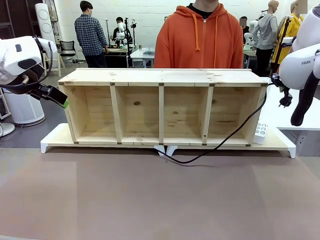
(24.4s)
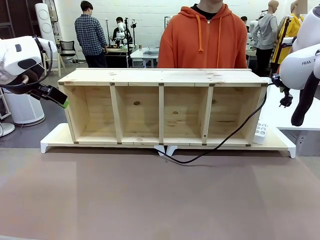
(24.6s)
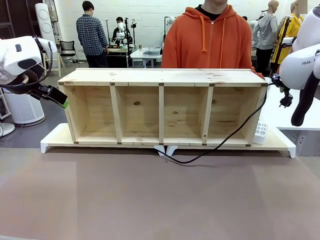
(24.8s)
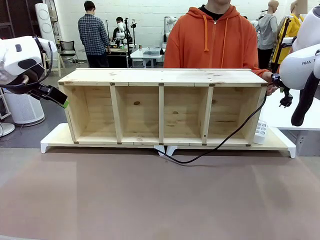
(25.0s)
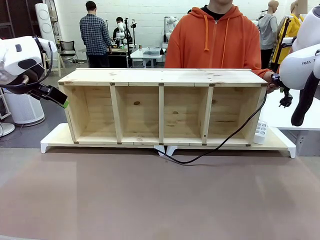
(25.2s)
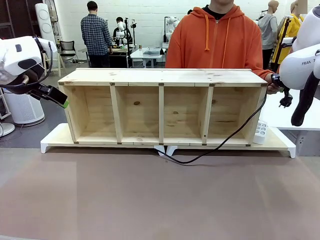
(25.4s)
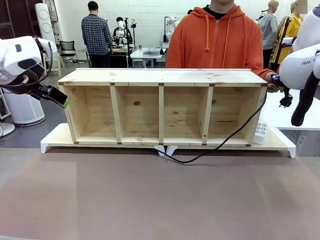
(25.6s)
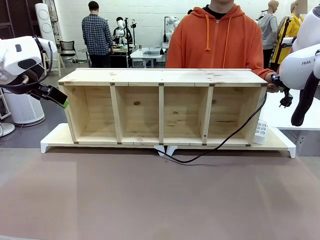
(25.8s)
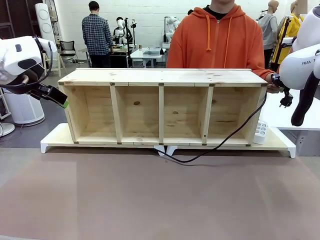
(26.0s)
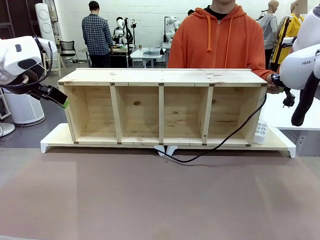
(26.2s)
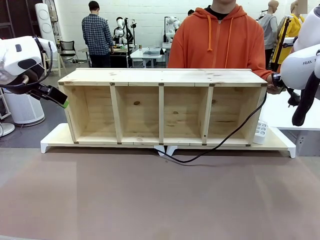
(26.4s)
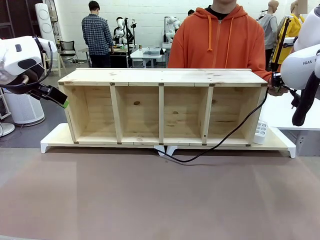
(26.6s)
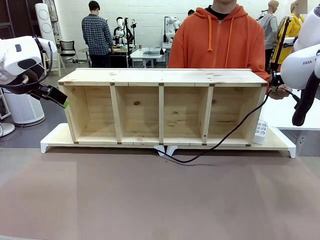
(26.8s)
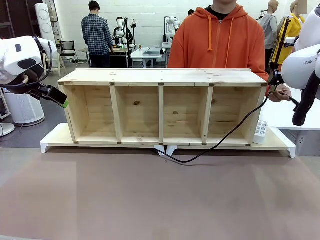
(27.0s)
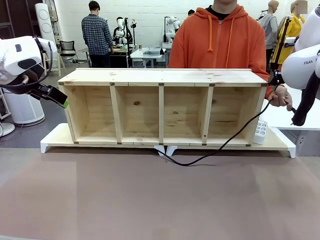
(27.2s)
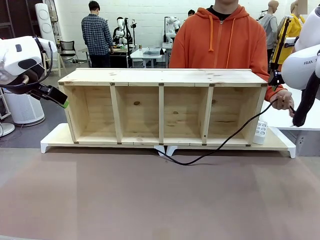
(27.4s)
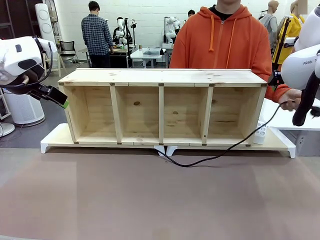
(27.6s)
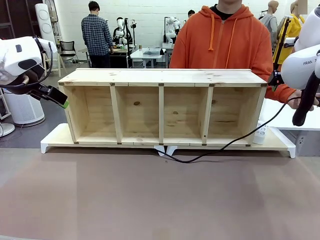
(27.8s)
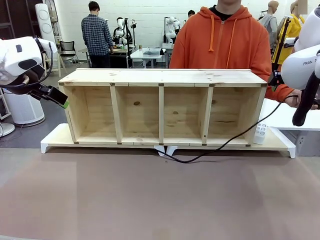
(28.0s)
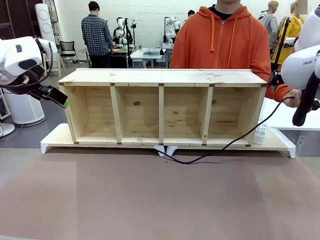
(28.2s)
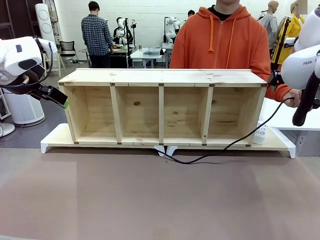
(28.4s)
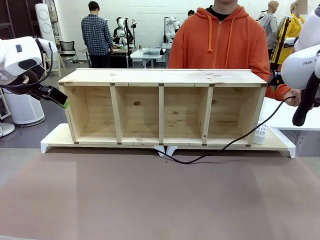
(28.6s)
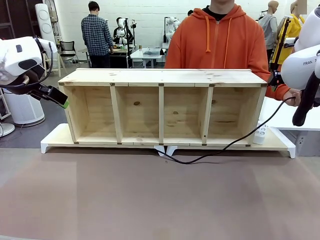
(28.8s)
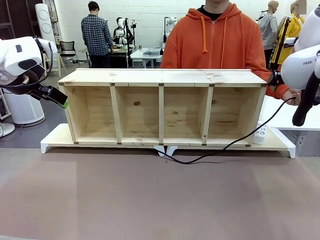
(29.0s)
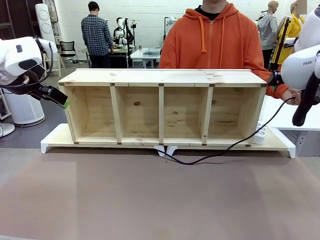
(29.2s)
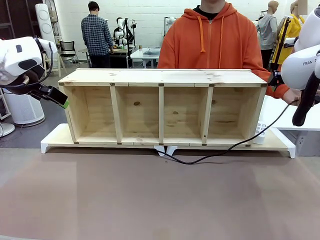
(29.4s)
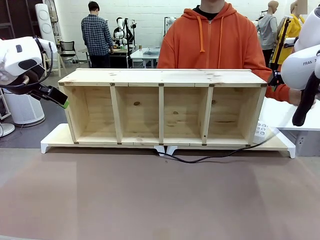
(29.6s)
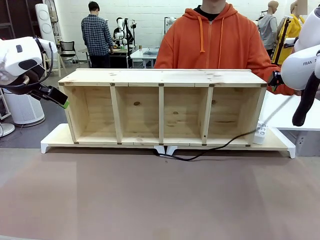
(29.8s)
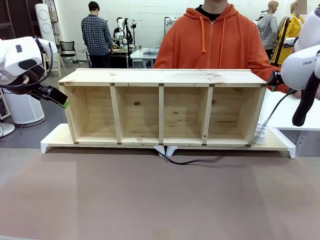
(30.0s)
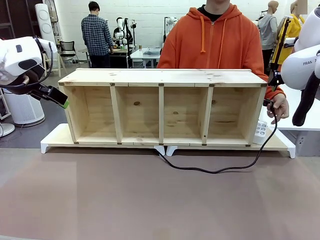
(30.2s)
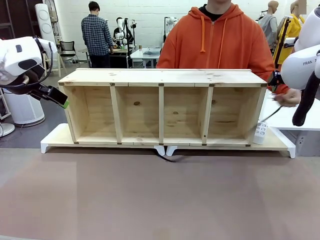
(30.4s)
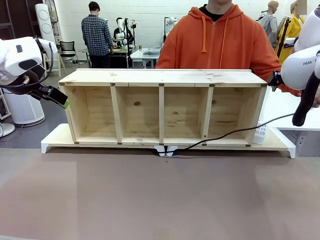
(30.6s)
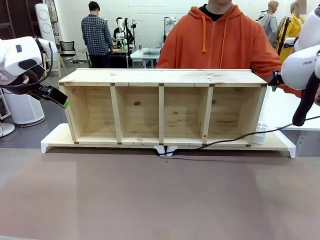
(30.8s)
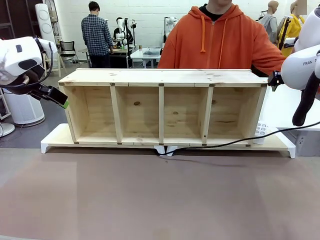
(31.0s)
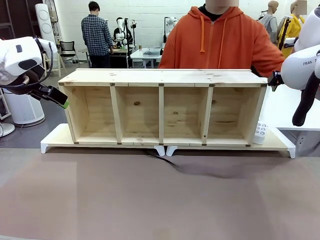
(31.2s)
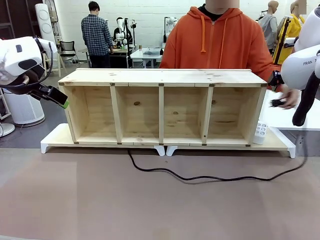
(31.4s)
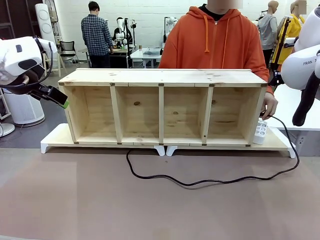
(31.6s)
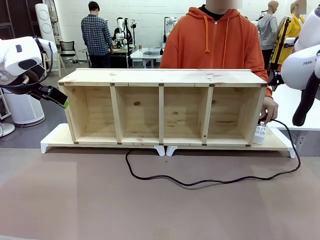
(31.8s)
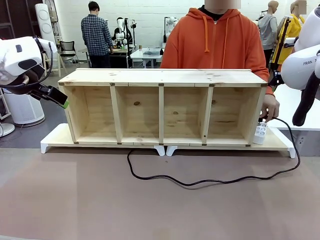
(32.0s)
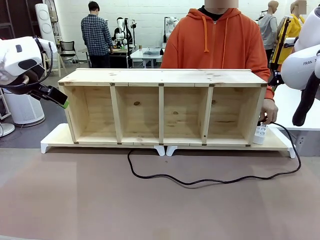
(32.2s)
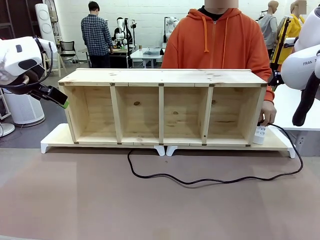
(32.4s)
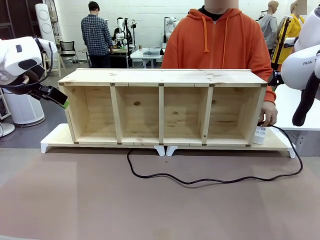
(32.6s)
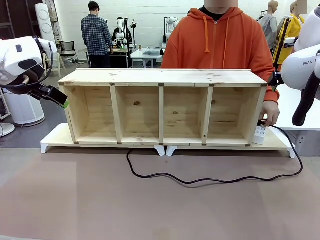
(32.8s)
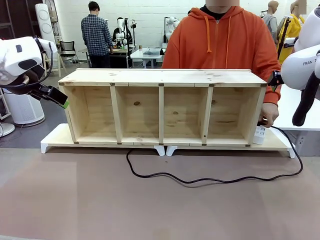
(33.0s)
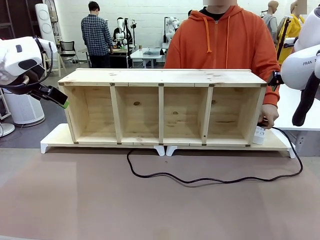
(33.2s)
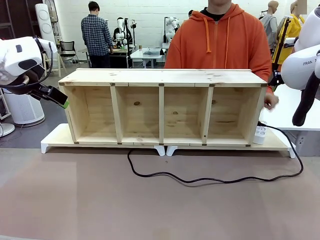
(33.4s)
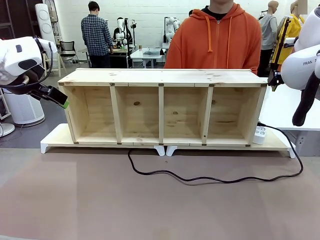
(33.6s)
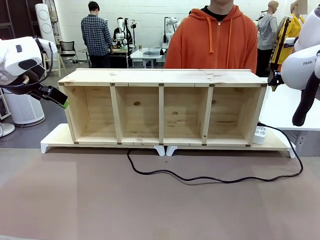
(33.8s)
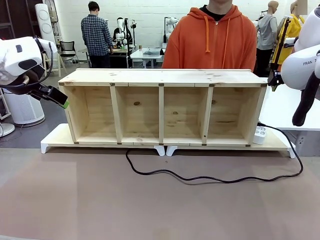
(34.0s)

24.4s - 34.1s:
Task: Perform cable management.
Robot: Release the Power Cable when the human grasps it.
Person: Plug the Power Cable into the Power Strip.

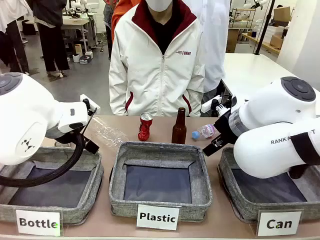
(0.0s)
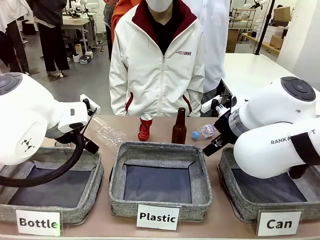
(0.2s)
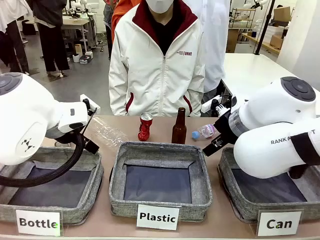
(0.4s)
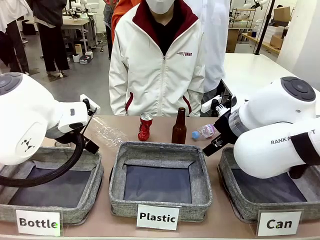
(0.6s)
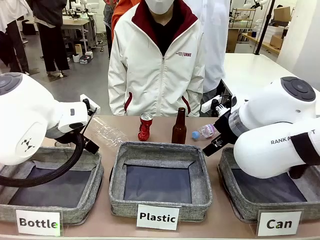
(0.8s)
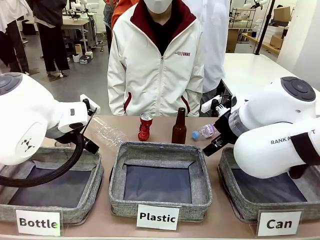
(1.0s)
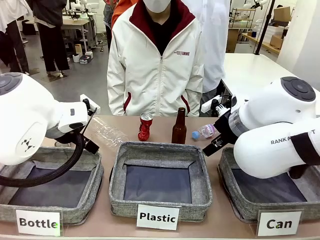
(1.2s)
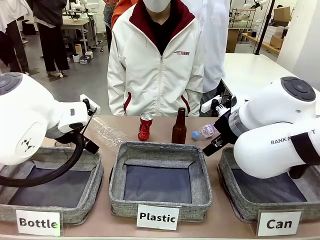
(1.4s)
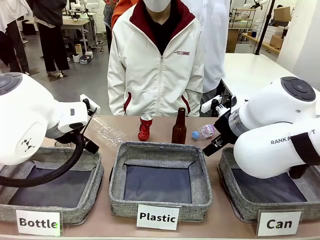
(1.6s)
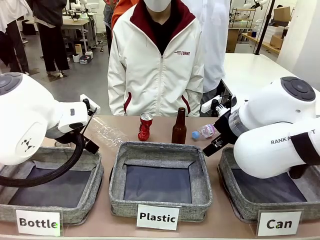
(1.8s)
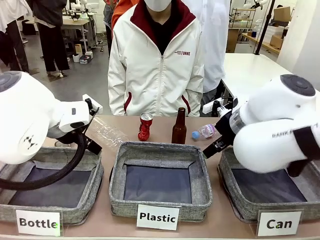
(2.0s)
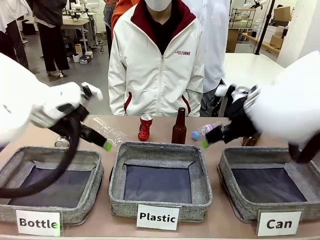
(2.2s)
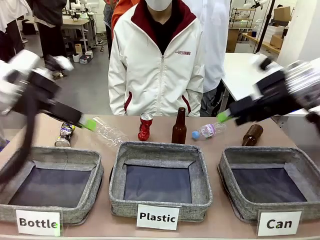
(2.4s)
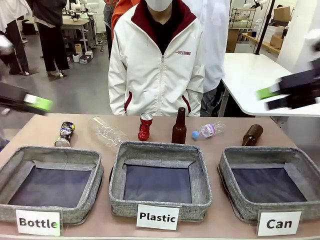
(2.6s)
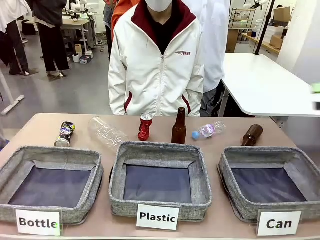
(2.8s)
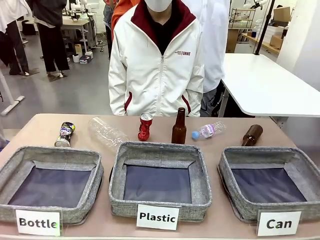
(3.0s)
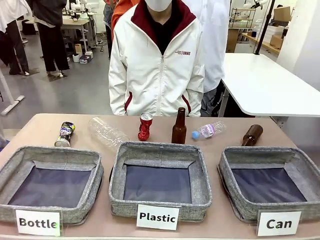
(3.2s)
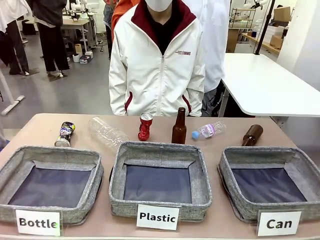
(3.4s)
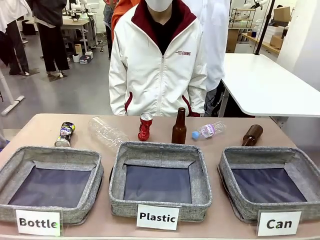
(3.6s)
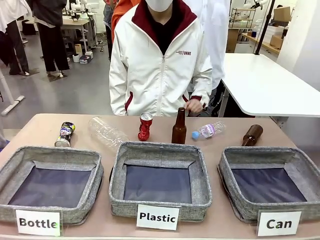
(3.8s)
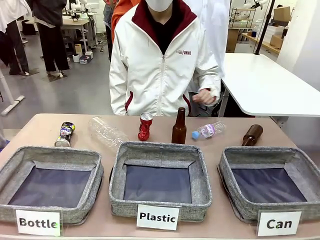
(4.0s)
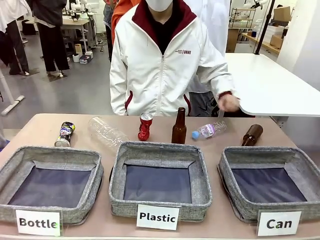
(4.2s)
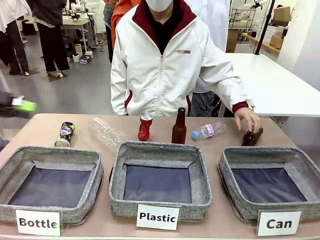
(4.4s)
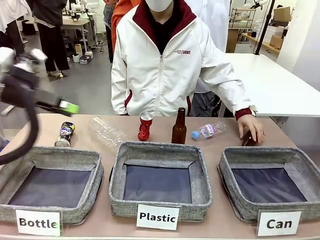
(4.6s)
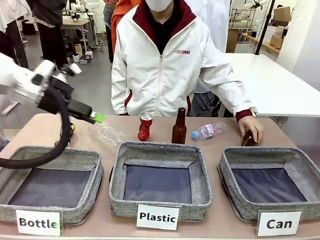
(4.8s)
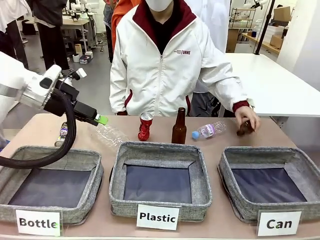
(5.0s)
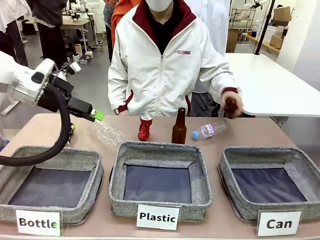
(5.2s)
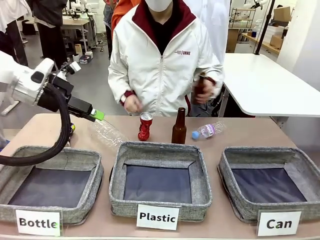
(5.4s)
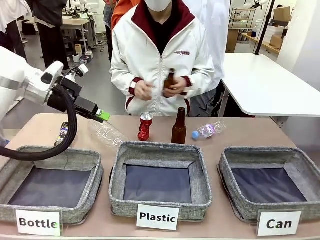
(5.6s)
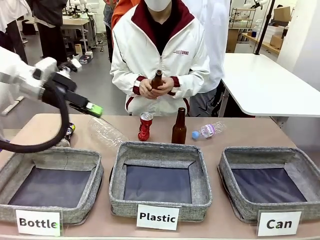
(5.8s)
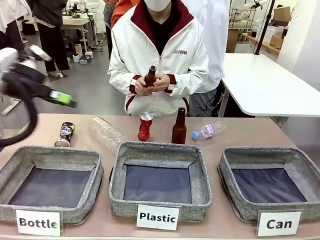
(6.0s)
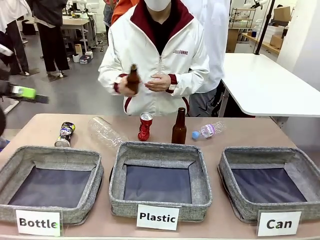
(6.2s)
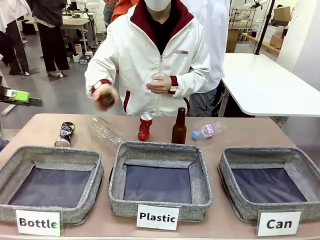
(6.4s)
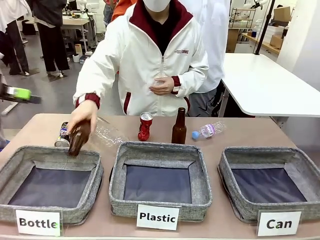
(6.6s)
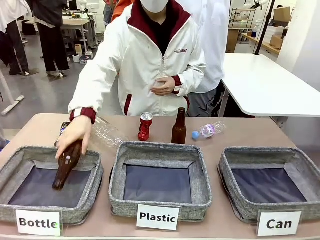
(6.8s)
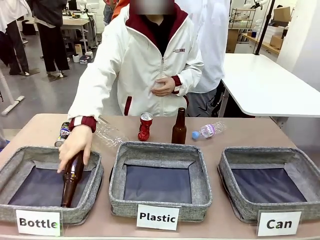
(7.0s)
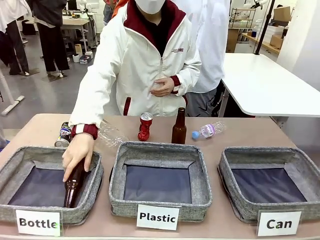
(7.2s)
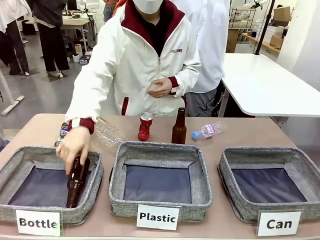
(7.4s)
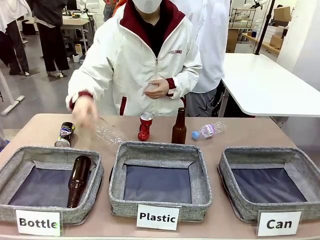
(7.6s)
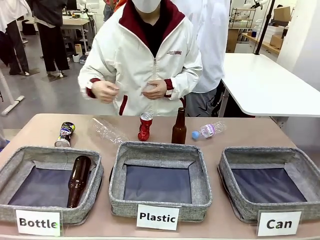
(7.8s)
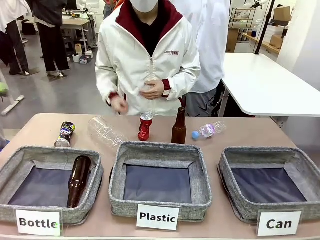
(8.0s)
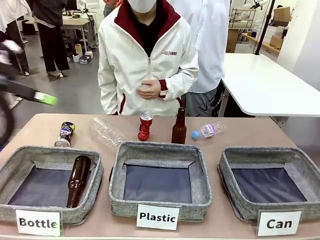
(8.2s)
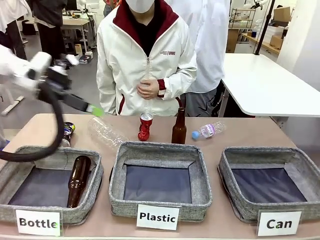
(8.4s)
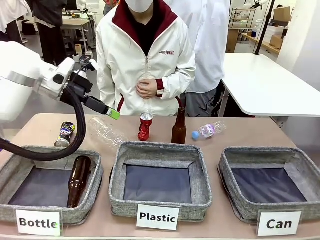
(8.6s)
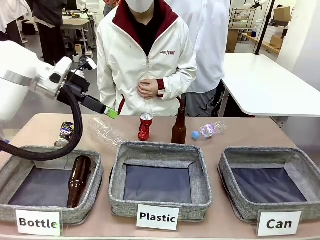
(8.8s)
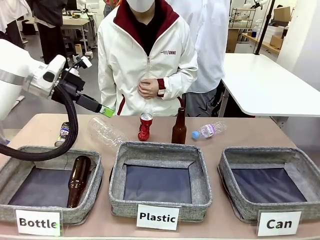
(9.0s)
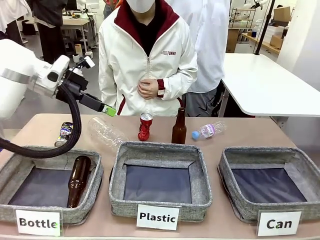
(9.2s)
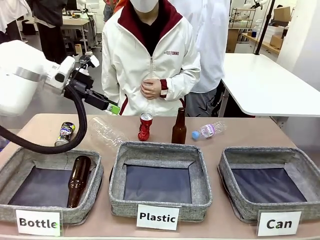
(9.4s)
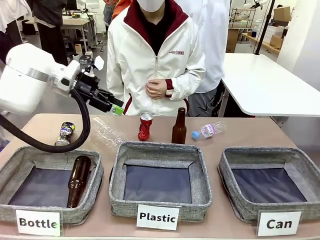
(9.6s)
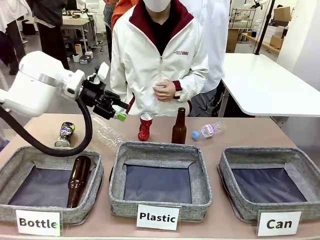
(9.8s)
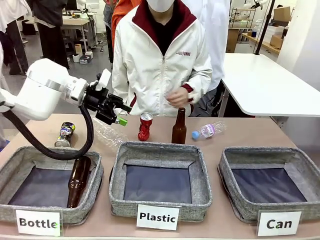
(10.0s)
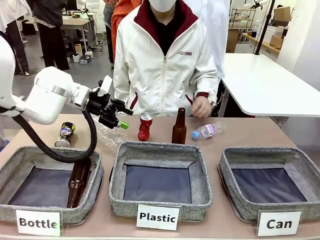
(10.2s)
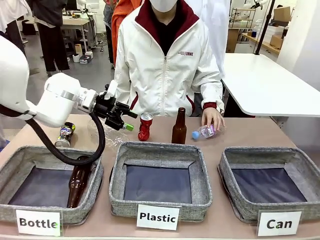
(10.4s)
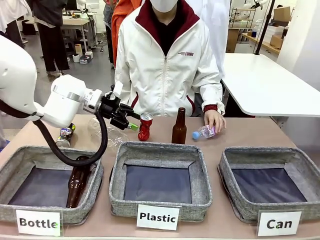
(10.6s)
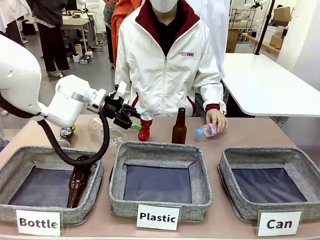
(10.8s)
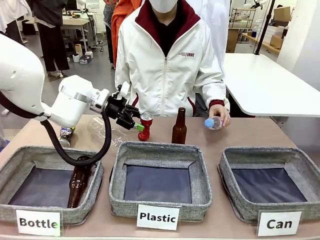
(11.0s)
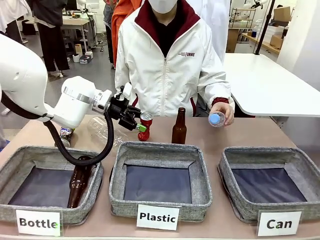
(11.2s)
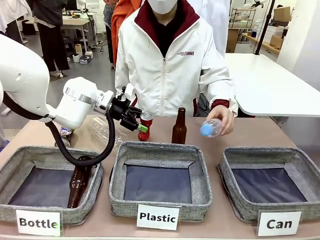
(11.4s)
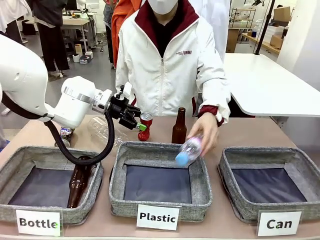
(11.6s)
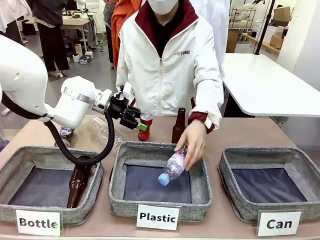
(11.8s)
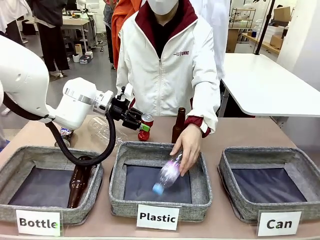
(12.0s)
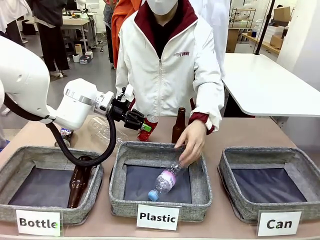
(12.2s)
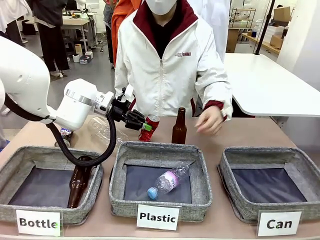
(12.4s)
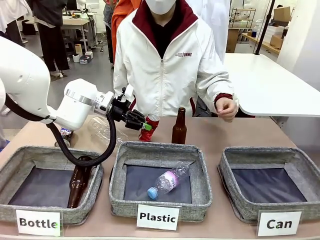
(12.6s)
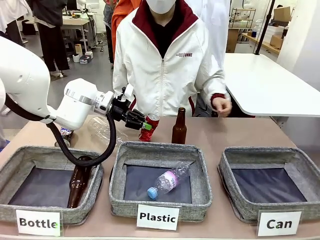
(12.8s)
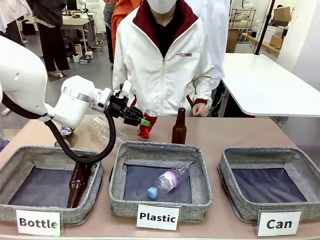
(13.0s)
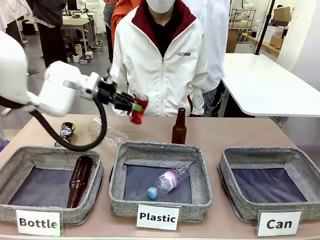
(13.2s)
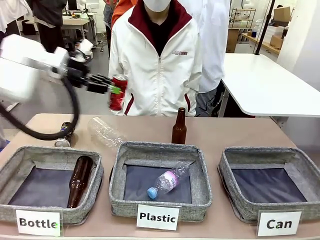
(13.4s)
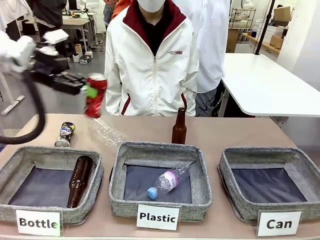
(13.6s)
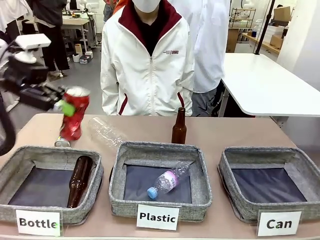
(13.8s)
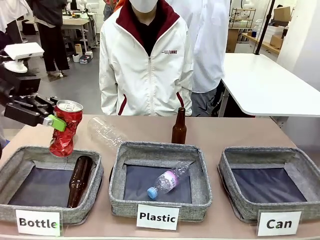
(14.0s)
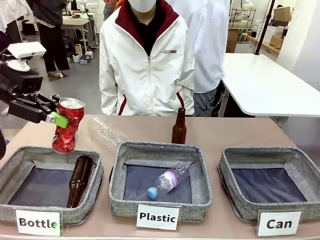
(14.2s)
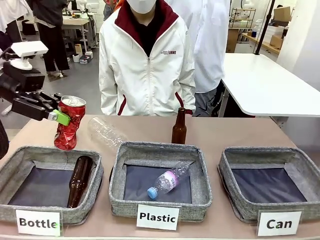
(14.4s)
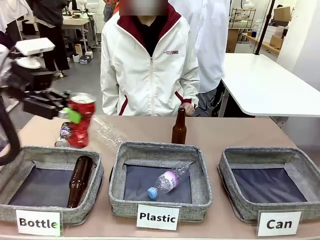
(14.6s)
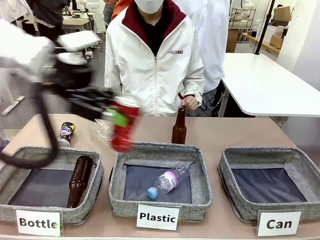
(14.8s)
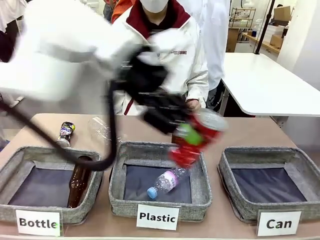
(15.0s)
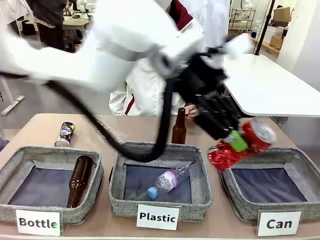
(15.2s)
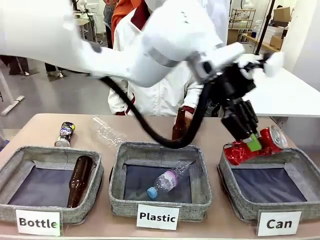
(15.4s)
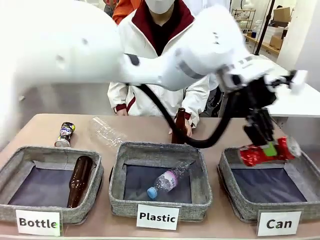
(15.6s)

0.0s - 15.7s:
Task: Sort the can waste into the basket.
Robot: Pick up the can waste from the table and place it in the right Fabric basket.
